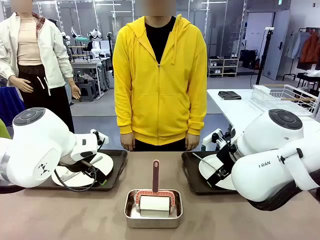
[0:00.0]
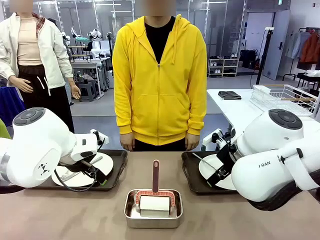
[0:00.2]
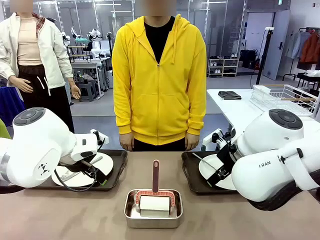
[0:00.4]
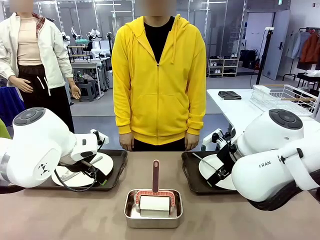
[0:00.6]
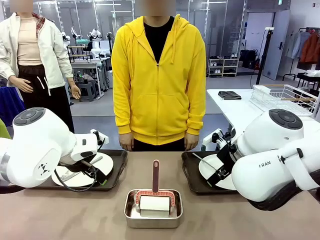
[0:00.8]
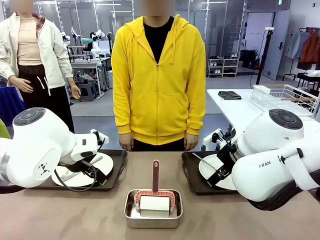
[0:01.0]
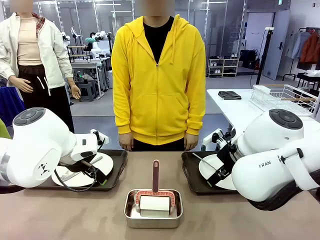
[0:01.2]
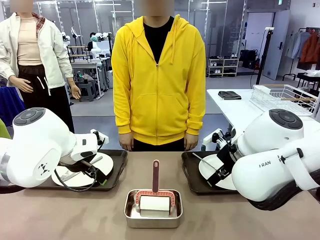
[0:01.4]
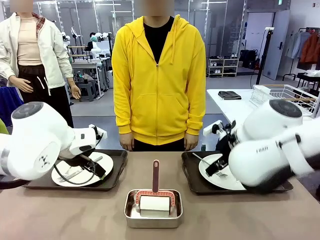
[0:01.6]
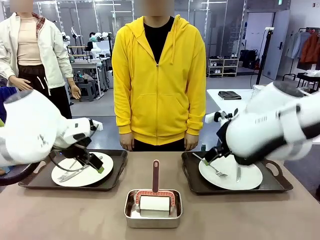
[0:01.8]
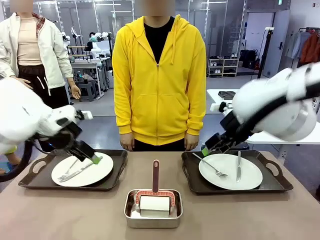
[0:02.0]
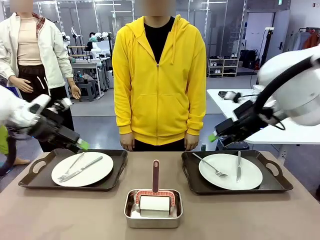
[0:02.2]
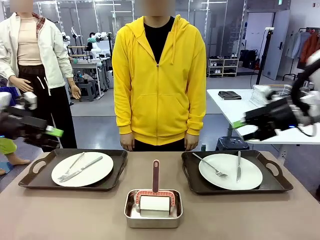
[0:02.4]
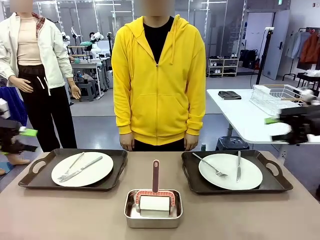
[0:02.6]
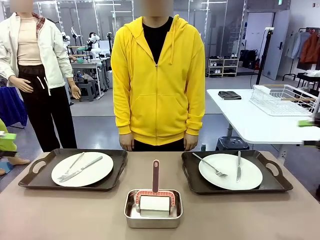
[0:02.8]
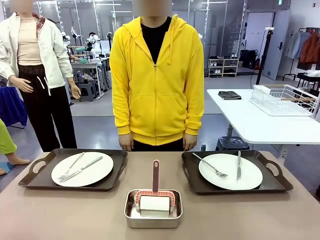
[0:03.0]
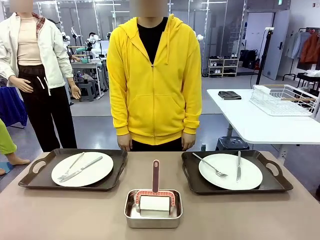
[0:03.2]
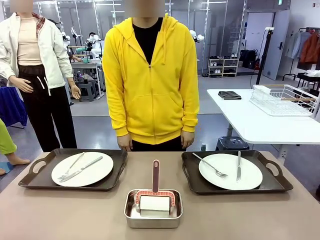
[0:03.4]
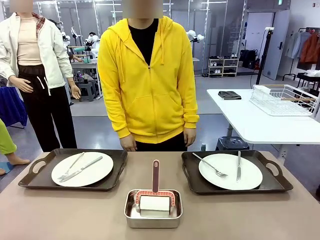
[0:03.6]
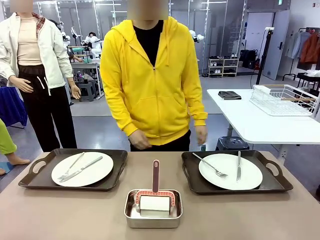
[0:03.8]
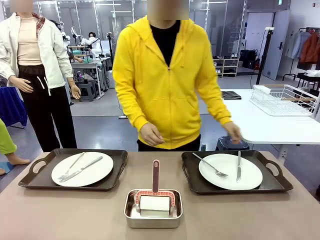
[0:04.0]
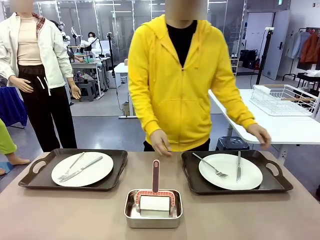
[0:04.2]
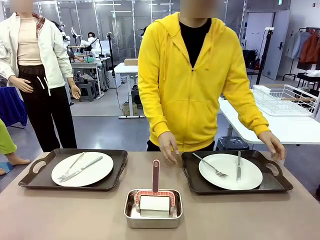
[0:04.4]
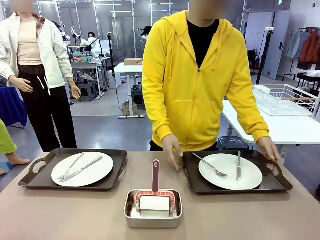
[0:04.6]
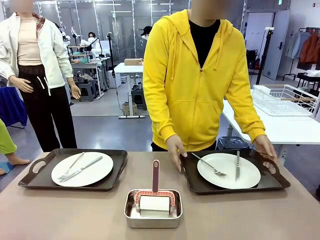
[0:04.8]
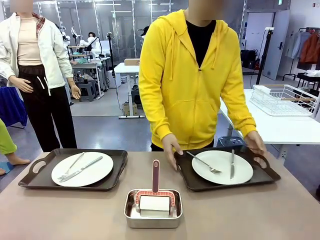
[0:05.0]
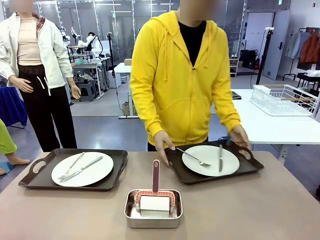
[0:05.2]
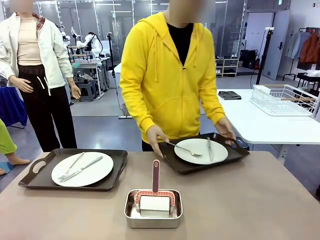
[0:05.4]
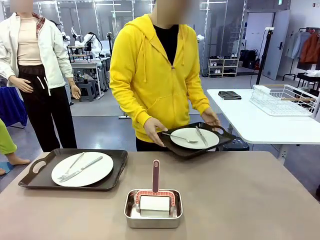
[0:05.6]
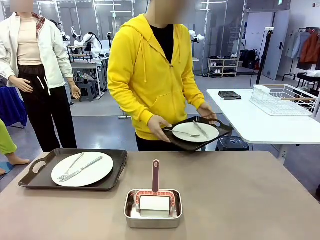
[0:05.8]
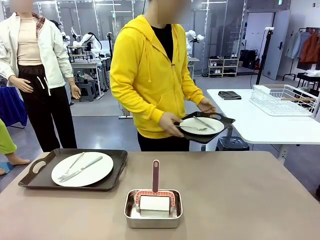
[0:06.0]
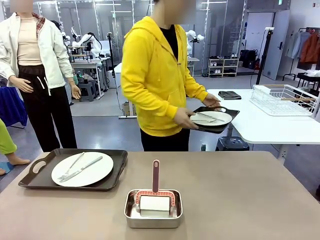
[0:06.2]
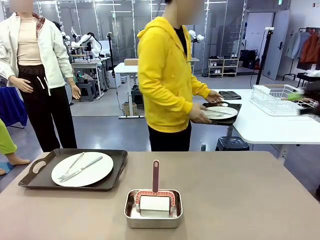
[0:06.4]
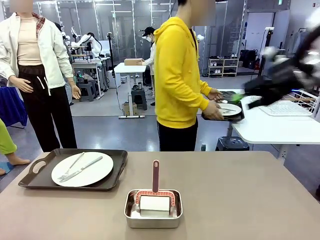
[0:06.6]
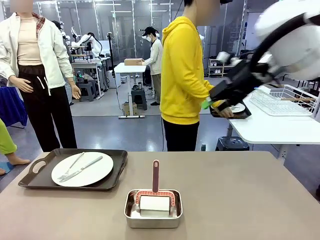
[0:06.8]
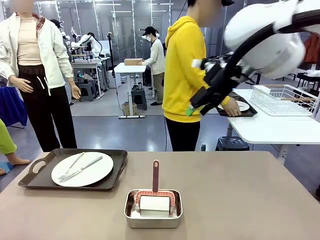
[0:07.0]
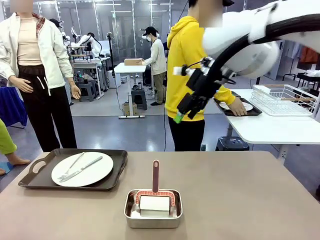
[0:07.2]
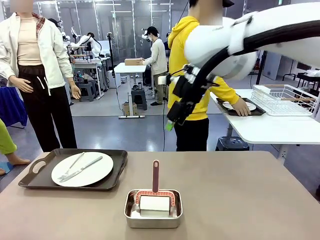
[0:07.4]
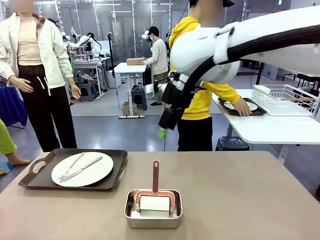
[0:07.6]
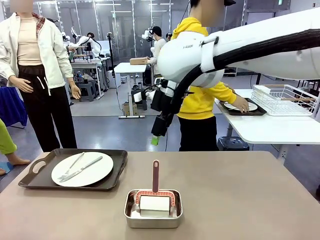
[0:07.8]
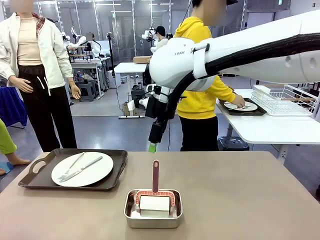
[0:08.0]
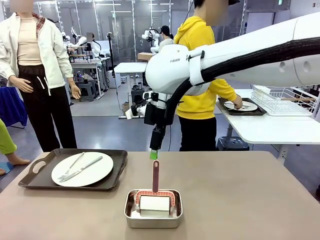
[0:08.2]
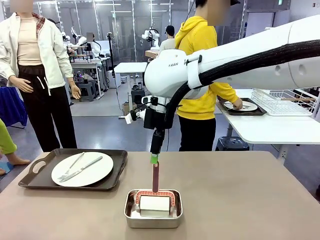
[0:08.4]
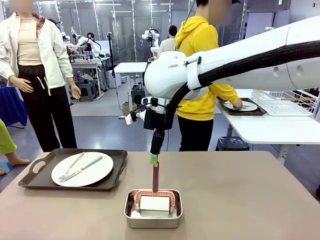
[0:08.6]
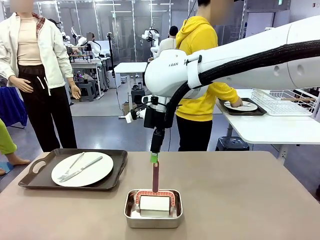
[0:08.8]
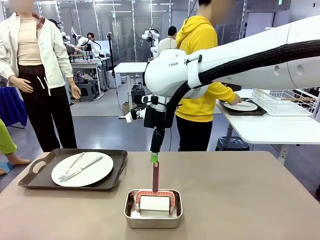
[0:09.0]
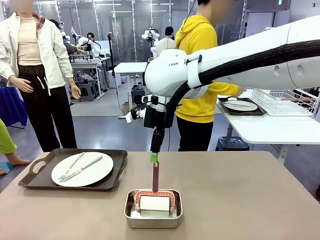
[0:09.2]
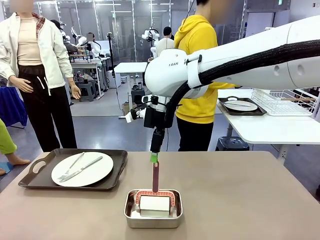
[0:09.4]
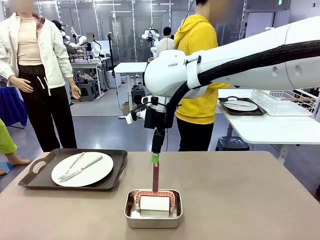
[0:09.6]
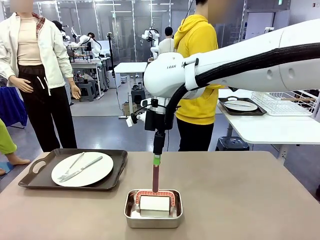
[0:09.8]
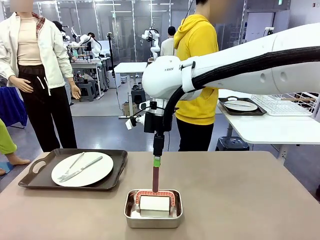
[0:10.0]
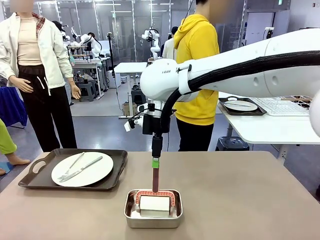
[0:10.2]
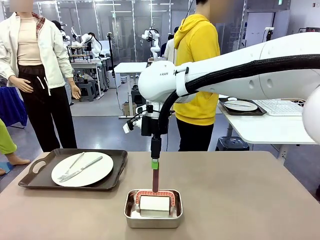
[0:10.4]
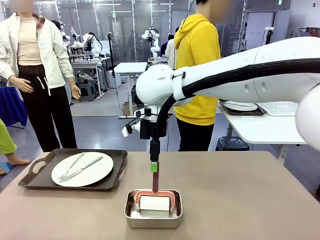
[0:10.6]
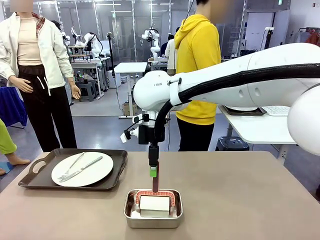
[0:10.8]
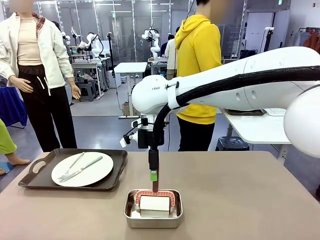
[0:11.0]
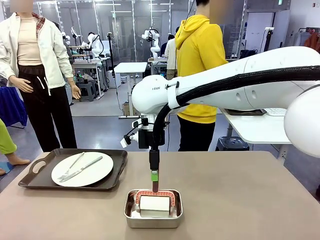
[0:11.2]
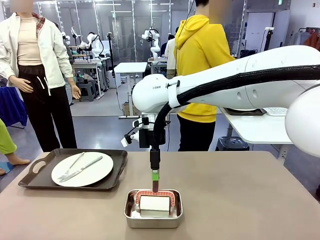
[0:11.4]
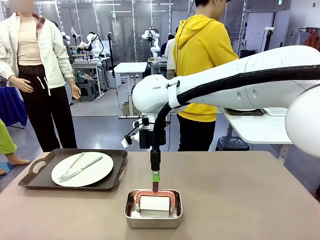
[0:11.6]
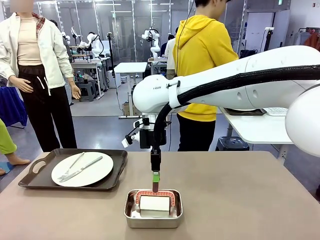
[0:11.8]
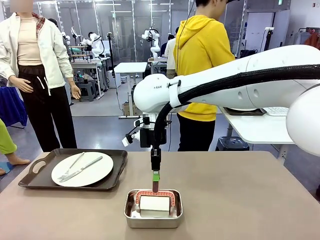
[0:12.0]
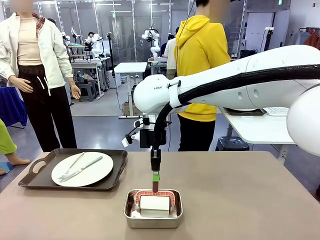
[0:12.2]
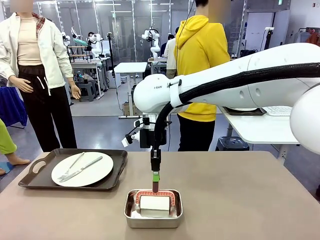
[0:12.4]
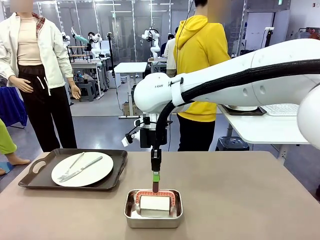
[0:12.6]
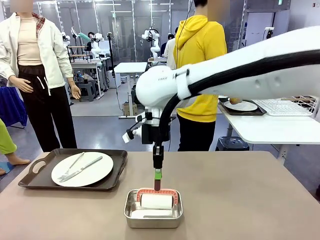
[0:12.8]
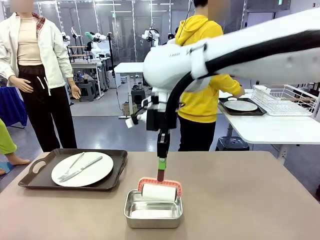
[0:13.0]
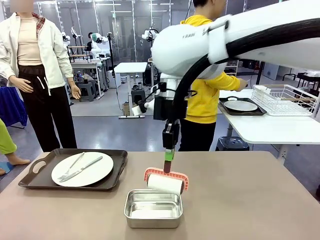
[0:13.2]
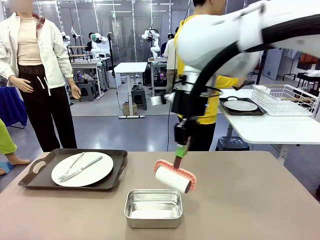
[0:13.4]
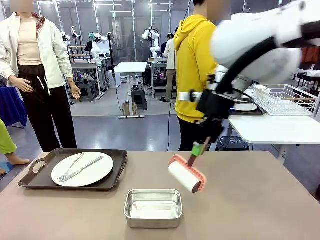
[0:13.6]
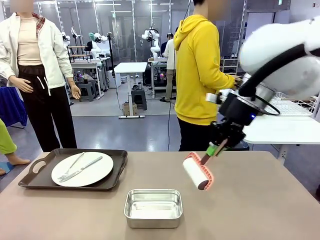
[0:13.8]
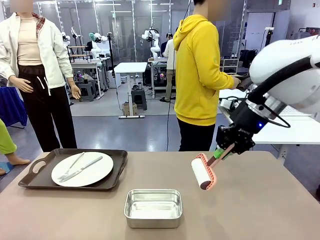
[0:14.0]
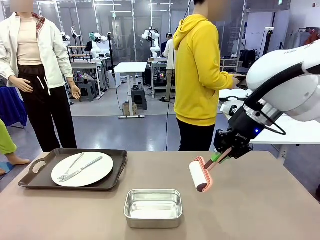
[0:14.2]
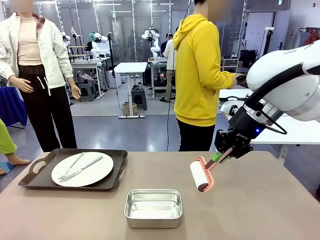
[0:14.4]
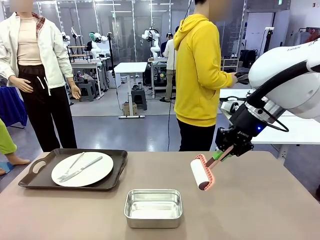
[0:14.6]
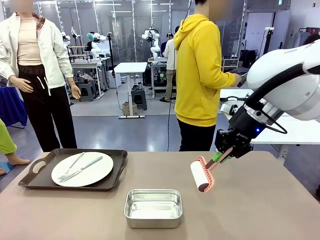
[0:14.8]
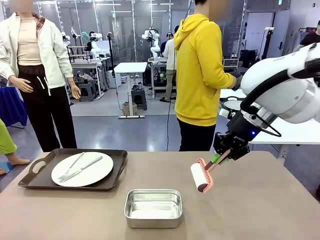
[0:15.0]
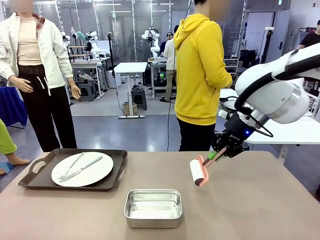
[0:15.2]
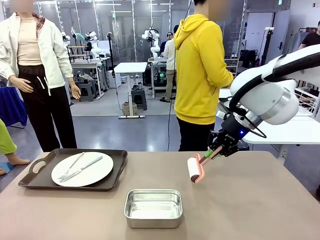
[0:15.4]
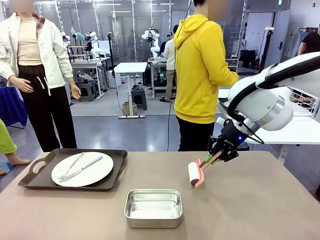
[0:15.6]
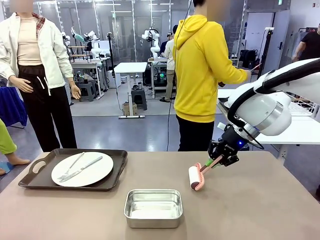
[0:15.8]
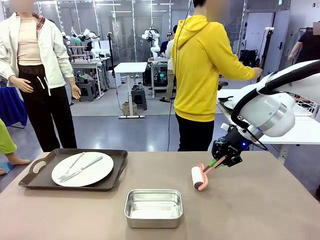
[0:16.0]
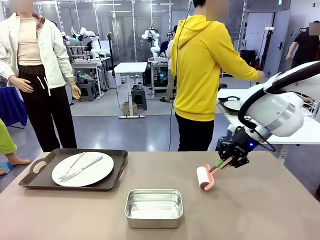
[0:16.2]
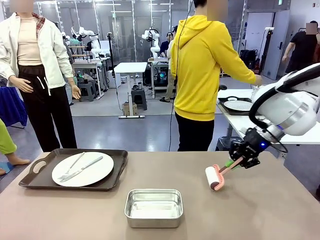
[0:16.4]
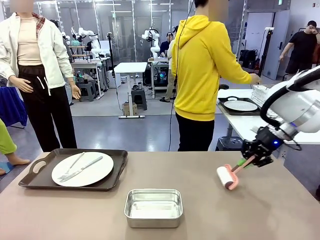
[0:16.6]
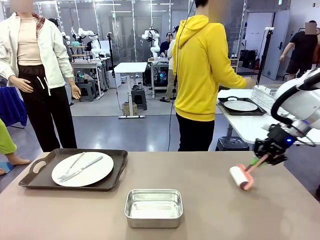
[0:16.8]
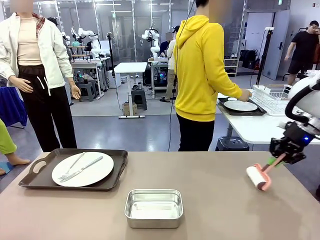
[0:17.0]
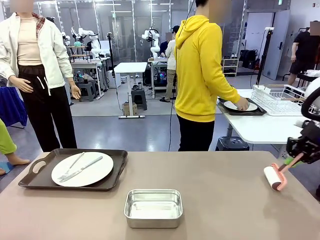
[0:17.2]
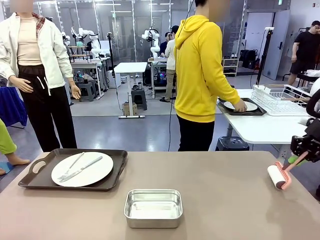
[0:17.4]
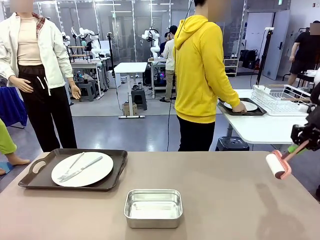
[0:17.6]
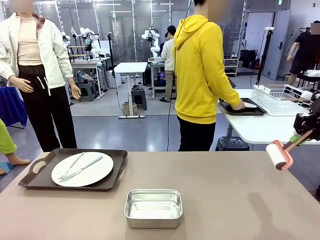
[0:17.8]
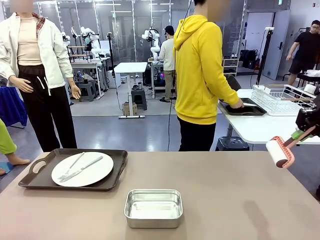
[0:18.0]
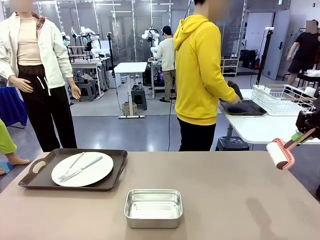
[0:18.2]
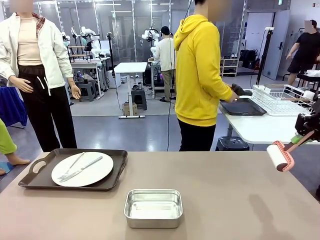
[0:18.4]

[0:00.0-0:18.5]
Robot: When the left (or right) Handle tray is removed, use the left hand (or right hand) to clean the left (or right) side of the table with the Lint Roller.
Person: Pick up the left (or right) Handle tray and place it on the middle of the Human's table. Use the Towel with hook to wipe the Plastic Matte Plate , Fork , and Knife and place into the Dish drying rack.

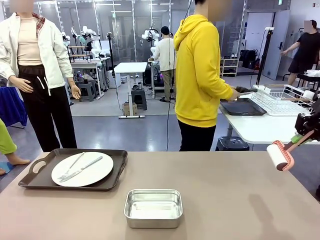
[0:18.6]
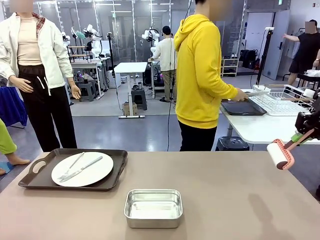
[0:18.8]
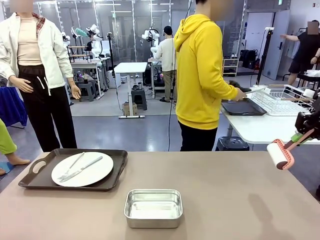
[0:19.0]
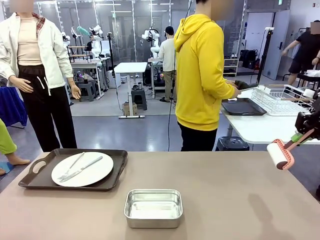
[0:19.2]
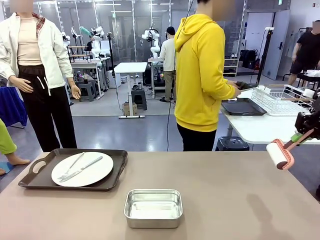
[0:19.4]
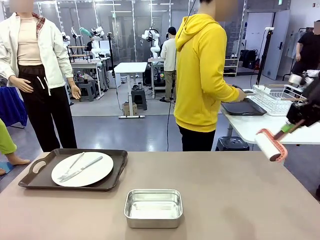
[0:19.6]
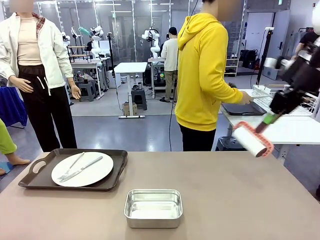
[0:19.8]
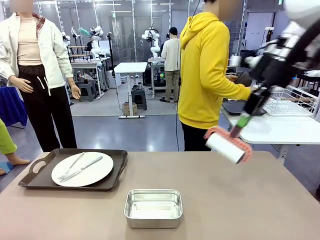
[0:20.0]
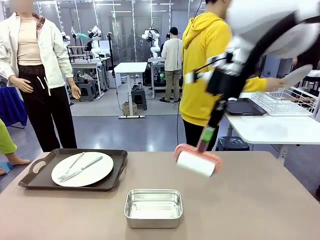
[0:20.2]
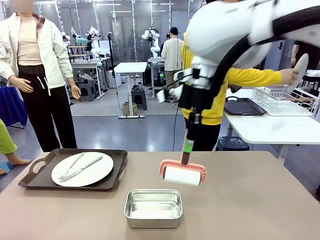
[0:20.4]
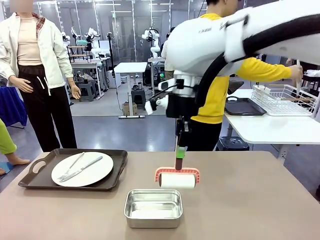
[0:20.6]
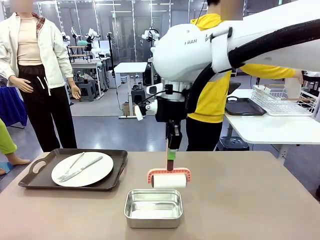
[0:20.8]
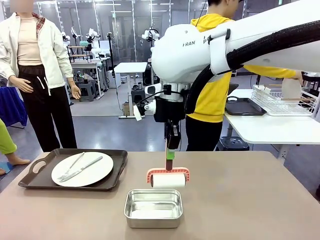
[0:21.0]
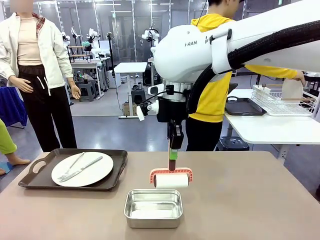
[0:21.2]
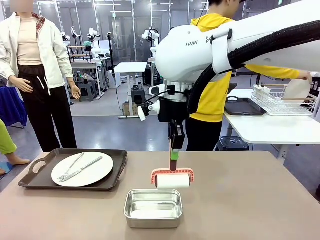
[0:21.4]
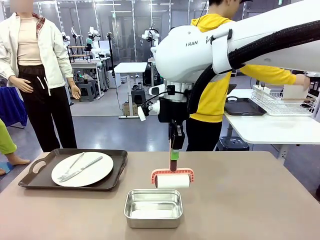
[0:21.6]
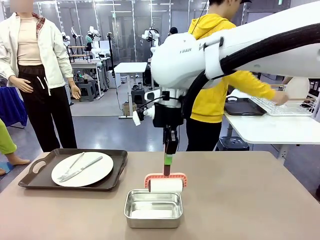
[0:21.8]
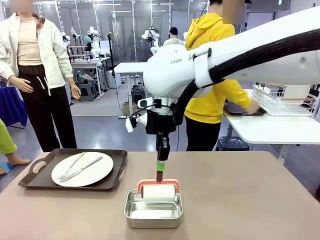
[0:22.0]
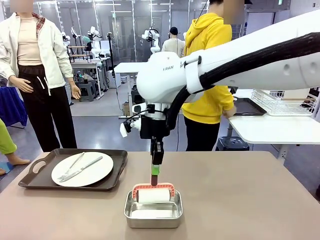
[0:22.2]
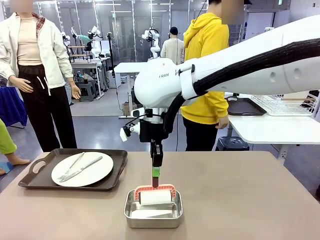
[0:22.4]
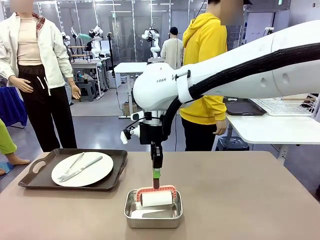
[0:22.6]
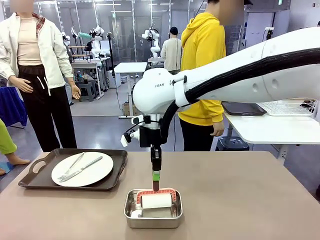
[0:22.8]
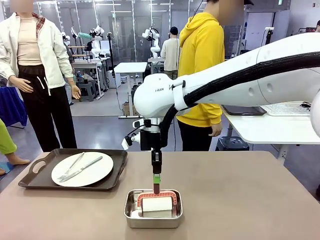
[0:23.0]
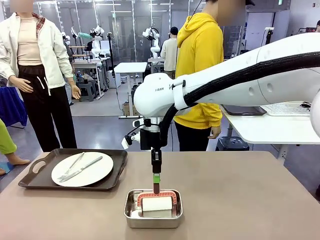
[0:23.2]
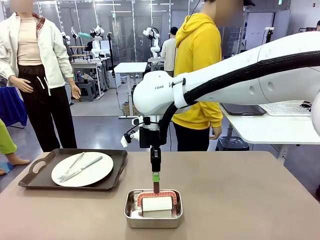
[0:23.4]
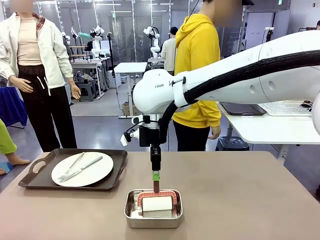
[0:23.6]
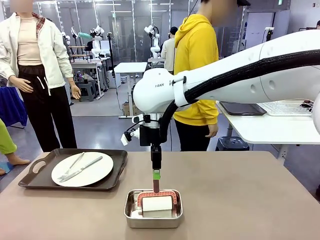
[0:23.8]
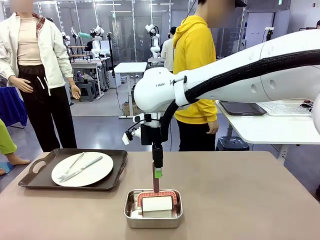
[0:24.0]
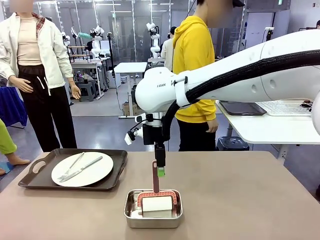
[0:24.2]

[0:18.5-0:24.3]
Robot: Place the Lint Roller back on top of the Airtight Container.
